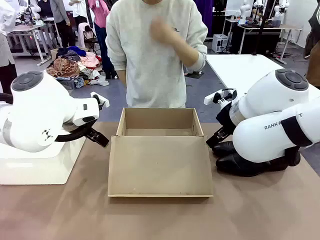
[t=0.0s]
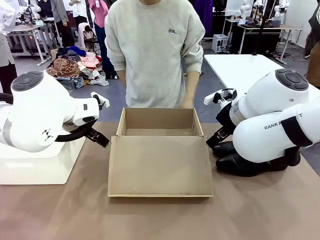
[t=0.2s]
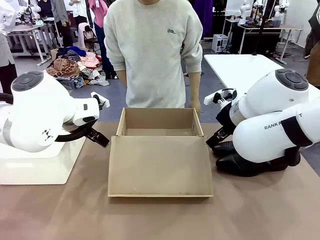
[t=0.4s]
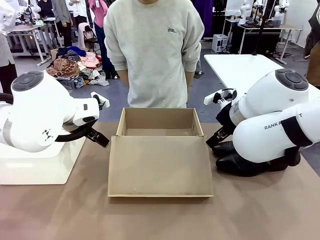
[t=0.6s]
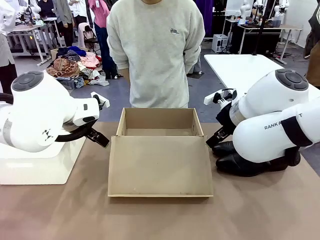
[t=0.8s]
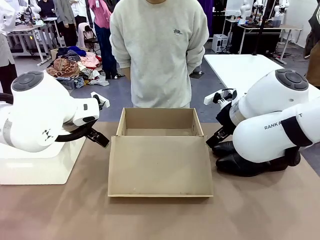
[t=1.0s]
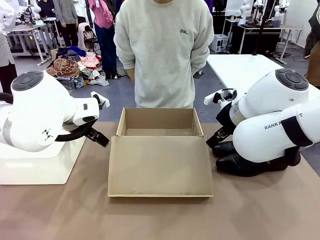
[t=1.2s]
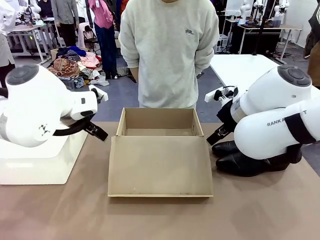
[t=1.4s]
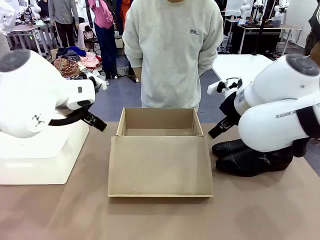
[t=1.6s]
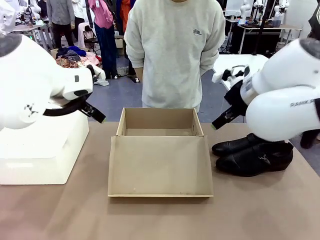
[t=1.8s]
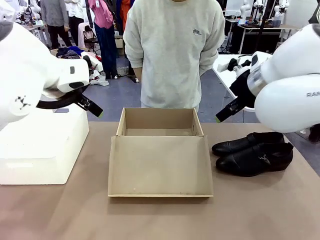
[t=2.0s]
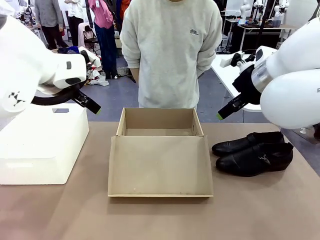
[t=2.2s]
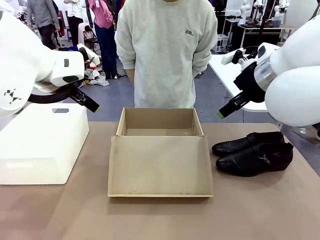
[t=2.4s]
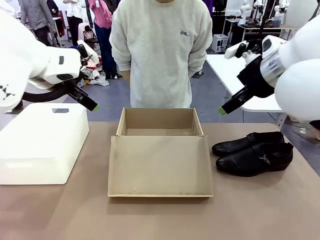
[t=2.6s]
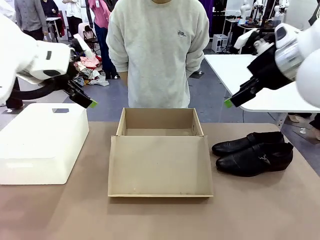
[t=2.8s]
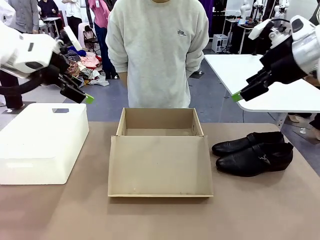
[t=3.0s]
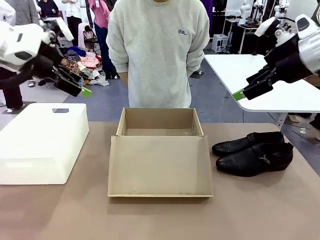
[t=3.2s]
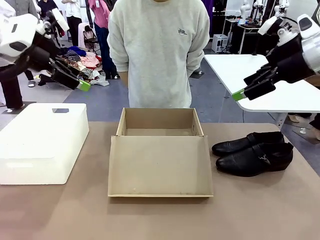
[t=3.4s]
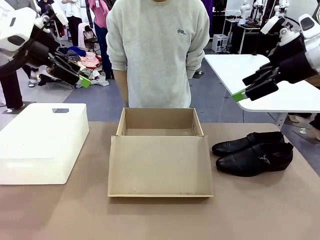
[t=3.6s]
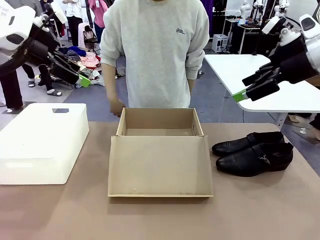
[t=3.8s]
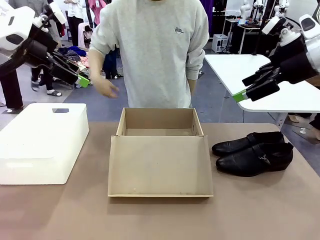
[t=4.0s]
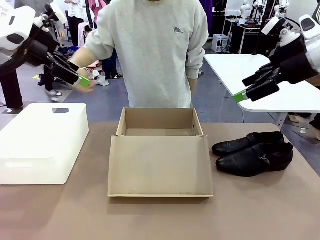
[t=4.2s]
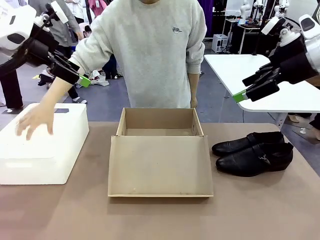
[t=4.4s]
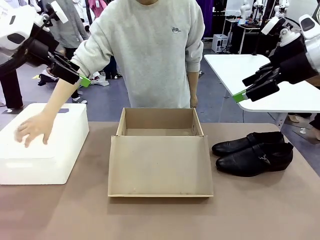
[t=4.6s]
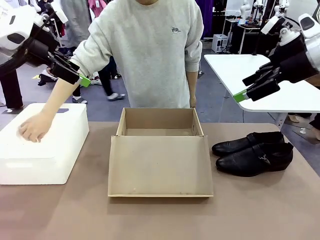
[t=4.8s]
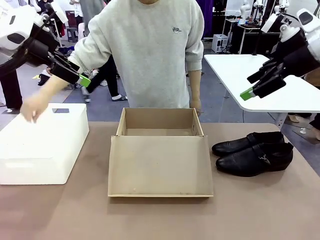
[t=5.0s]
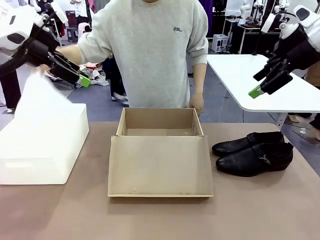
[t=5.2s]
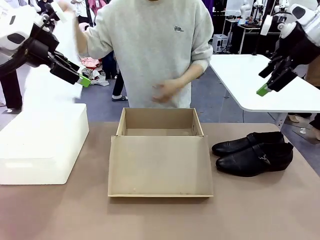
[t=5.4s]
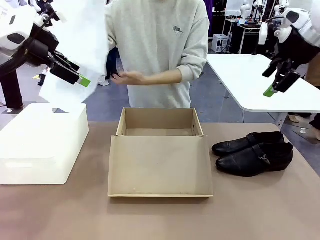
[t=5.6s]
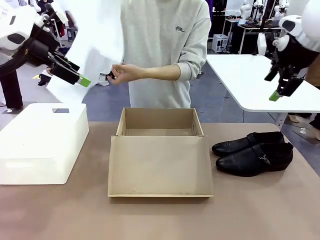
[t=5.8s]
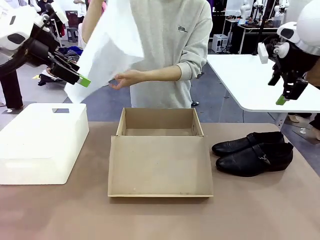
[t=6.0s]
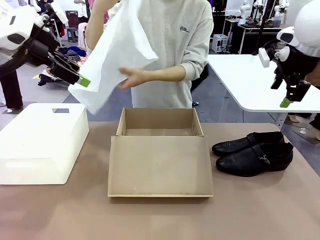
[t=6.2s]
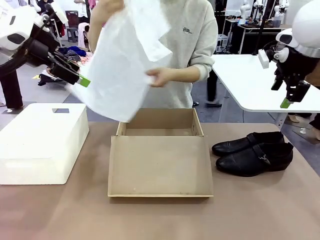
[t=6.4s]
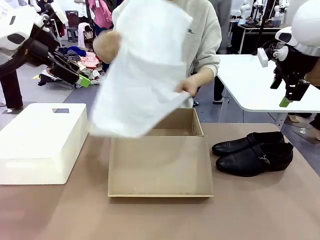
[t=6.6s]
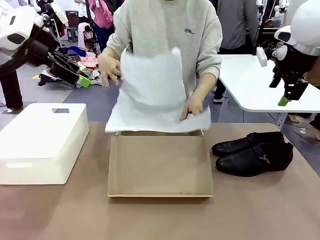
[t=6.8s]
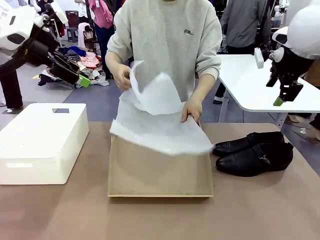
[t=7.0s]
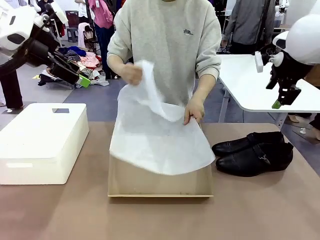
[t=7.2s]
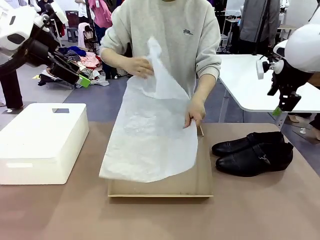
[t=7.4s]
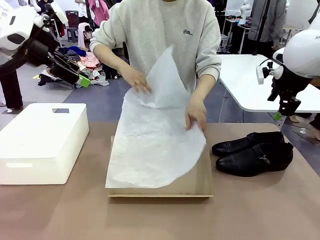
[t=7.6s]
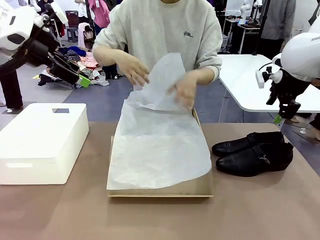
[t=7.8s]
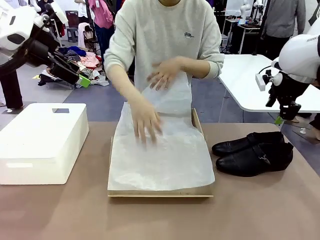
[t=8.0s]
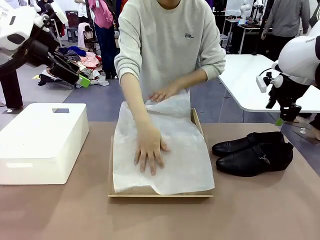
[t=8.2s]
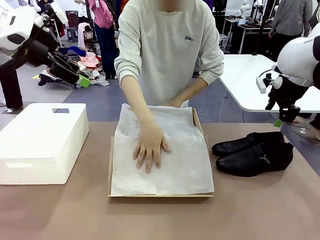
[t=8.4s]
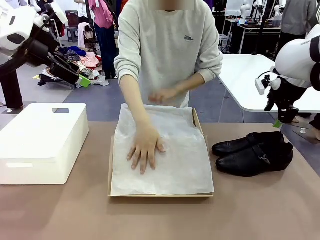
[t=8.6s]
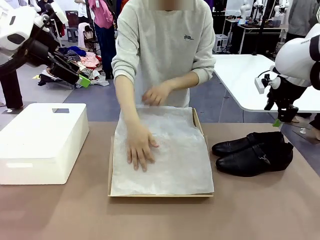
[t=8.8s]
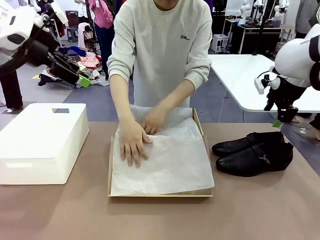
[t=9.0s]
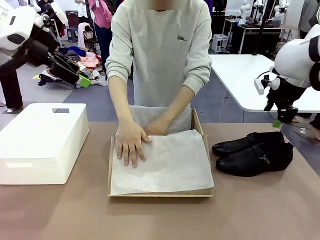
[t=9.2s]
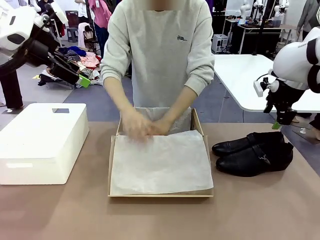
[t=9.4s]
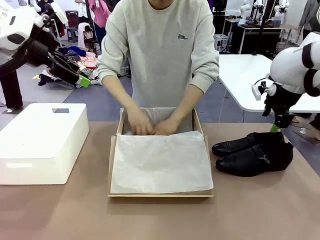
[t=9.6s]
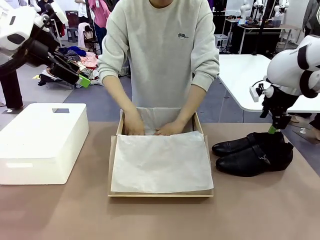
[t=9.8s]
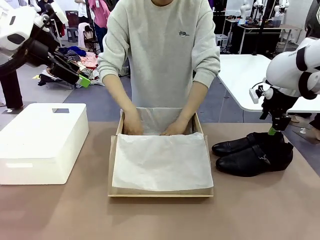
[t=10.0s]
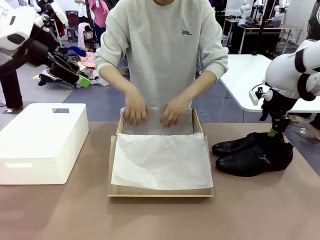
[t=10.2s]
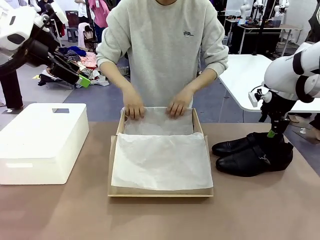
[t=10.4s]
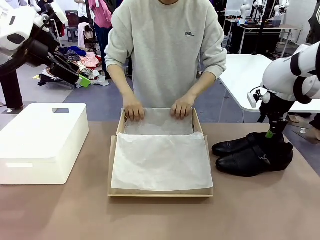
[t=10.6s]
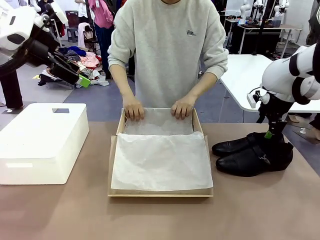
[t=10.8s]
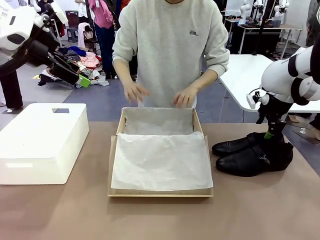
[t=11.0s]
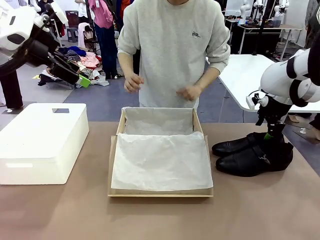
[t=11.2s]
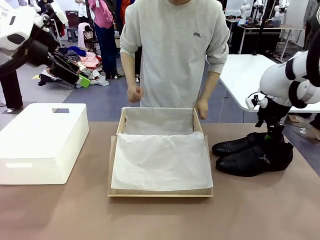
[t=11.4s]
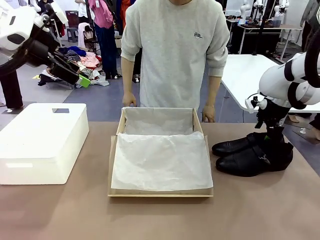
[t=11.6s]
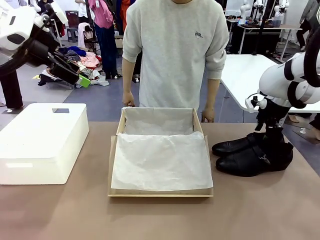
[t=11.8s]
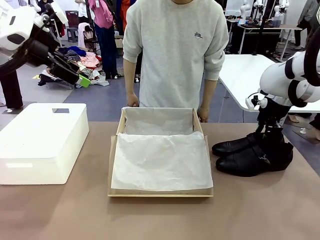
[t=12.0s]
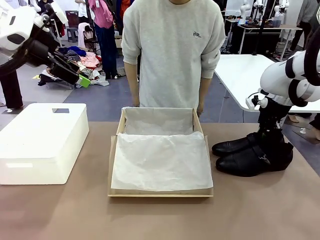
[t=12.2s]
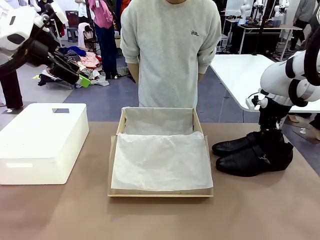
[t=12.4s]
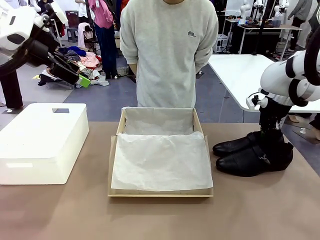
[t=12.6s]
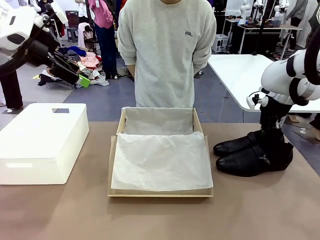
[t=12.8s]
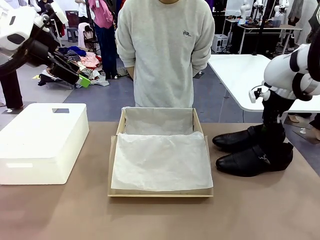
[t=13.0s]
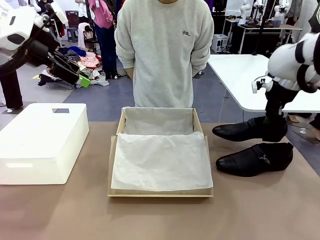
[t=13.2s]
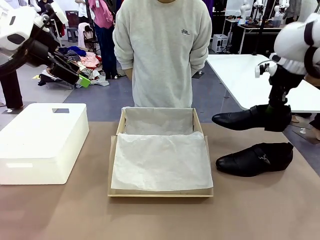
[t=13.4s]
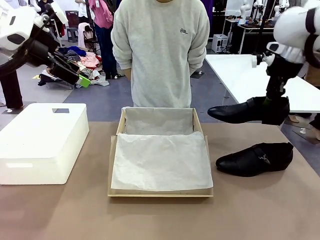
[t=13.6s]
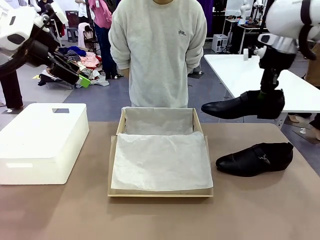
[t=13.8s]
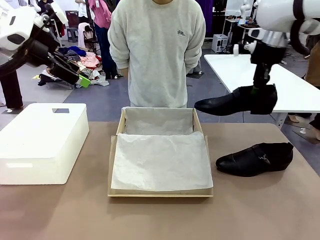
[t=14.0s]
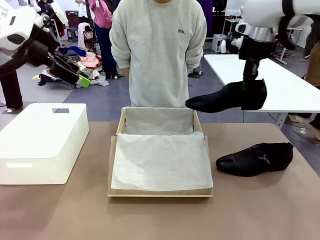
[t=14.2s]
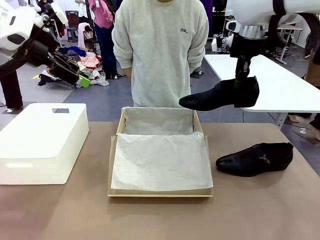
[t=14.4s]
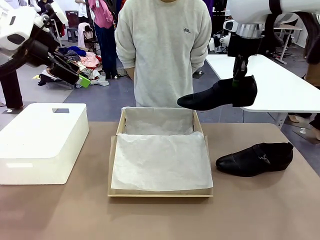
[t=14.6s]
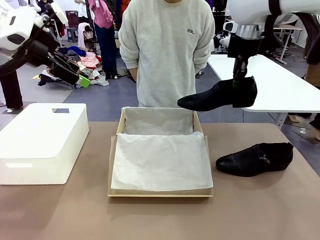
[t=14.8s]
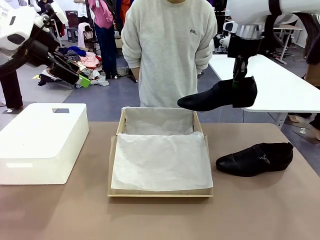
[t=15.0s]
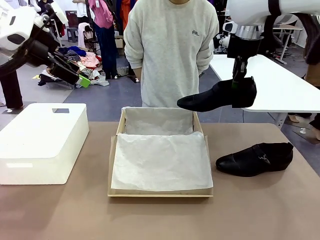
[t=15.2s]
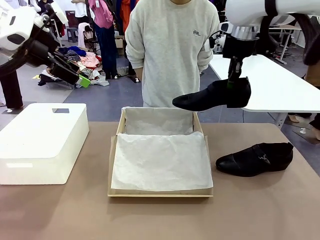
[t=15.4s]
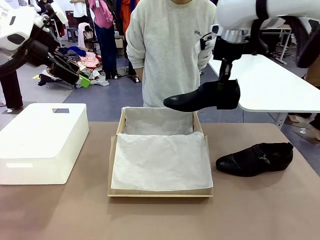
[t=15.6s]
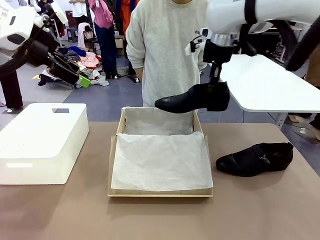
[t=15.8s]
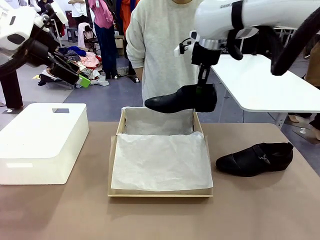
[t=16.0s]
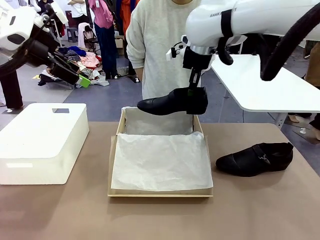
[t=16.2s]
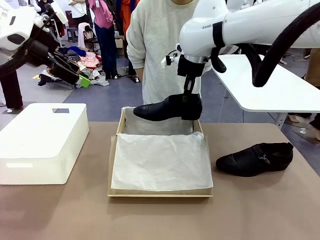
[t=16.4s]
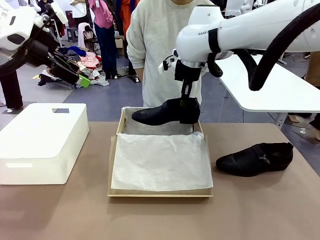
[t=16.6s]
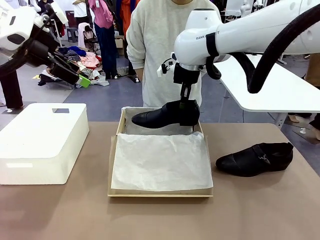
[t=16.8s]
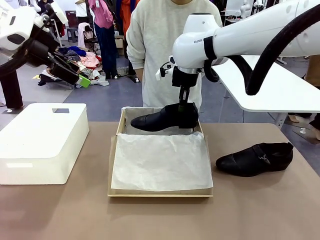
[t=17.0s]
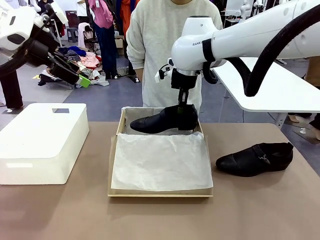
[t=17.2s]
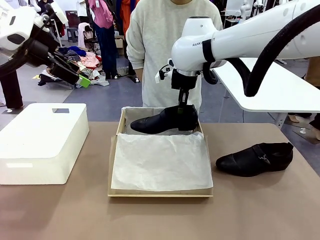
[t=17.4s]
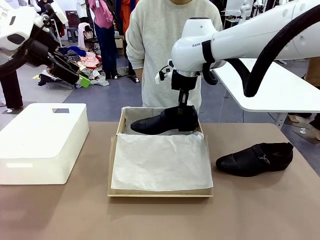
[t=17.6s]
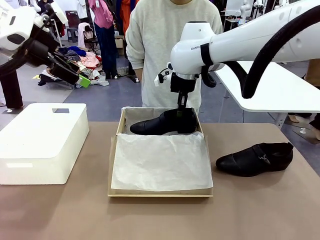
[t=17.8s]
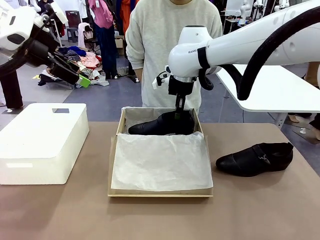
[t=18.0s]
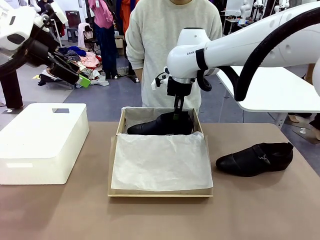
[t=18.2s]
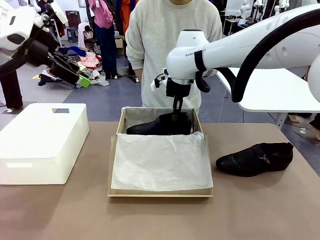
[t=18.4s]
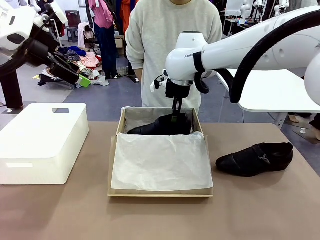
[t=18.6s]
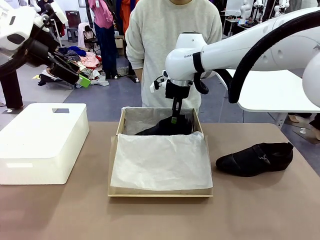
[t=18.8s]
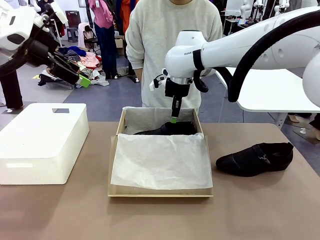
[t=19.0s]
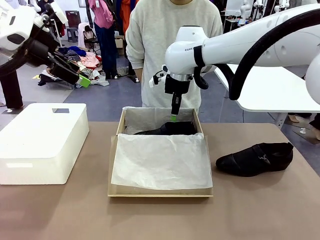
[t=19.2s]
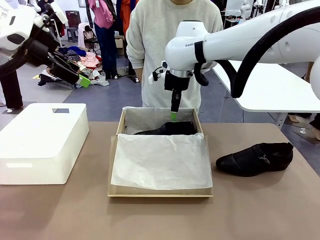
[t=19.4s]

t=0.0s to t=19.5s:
Task: Pack the shoes into the box.
Robot: Place one shoe of the Shoes into the Shoes Box.
Person: Spread Shoes Wrapping Paper and place inside the Shoes Box.
